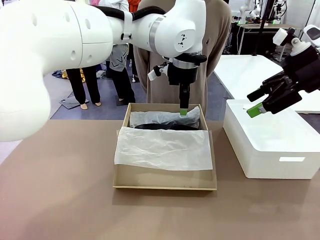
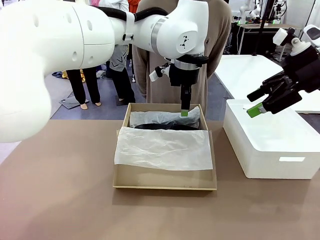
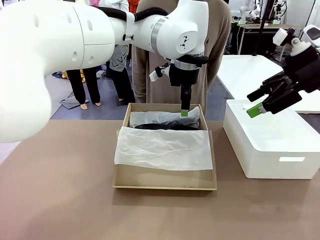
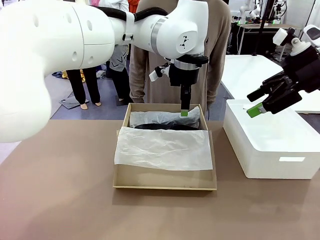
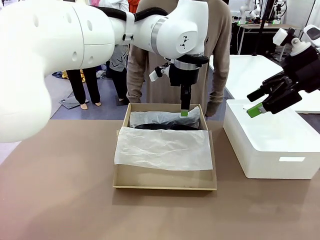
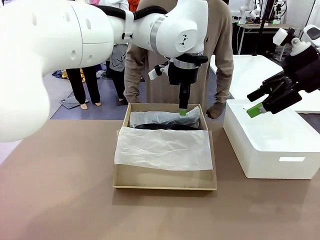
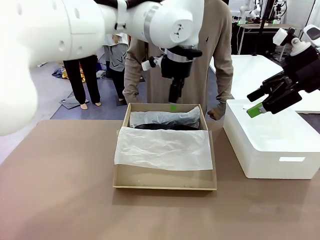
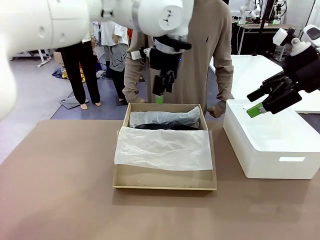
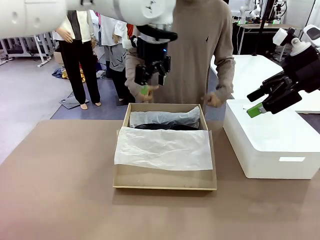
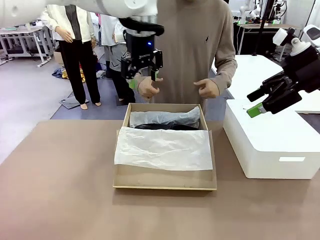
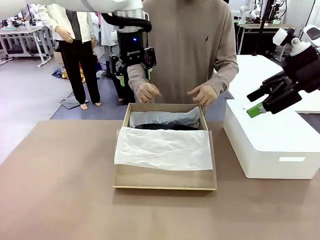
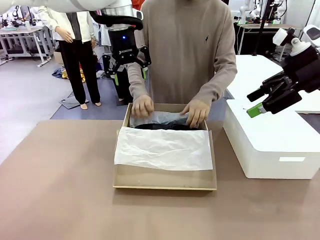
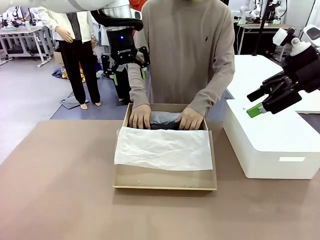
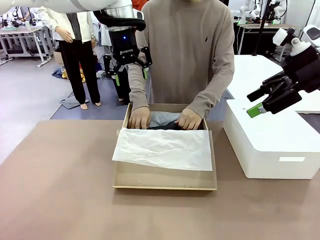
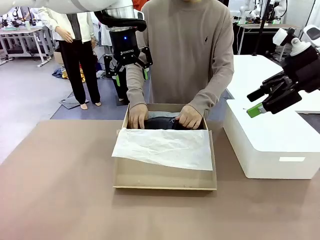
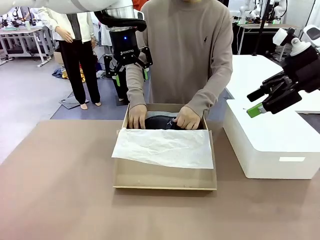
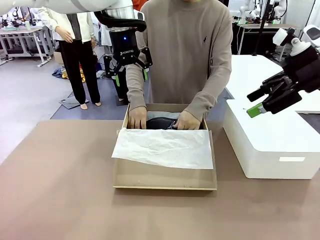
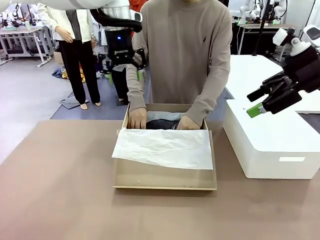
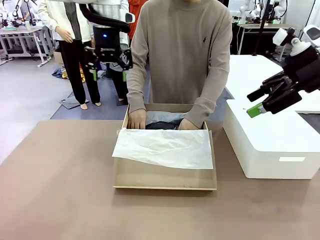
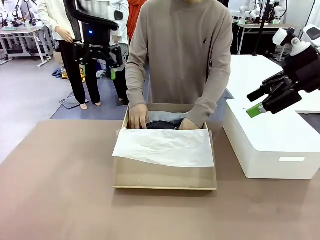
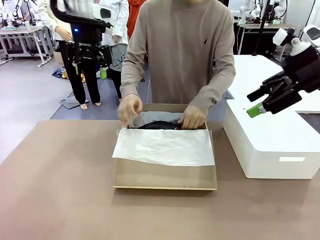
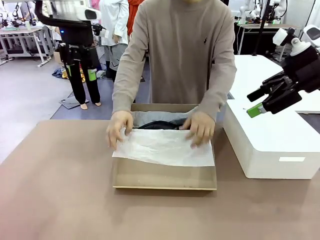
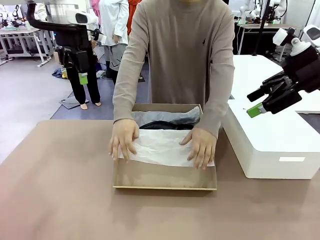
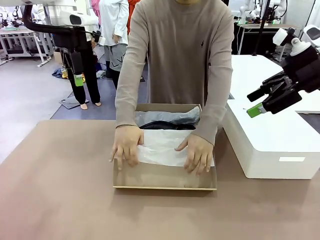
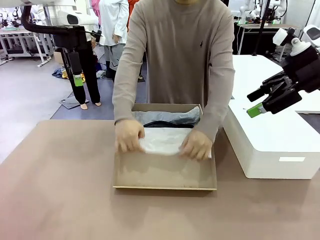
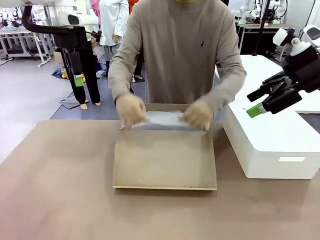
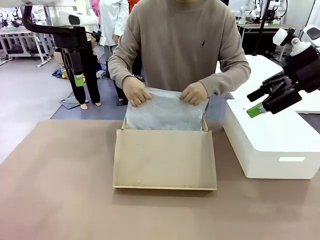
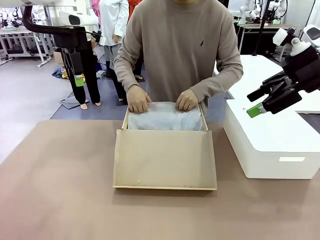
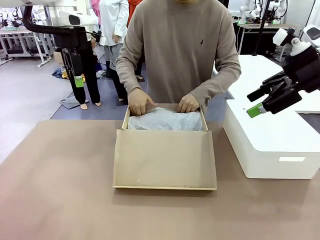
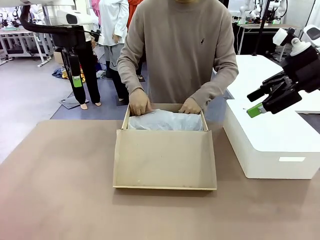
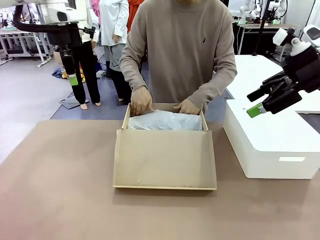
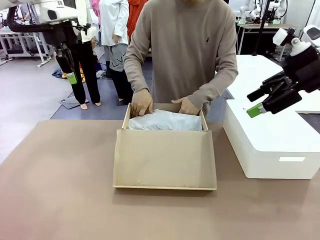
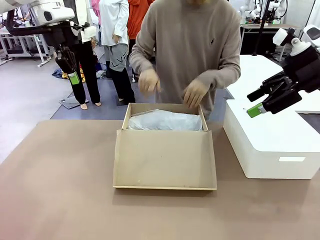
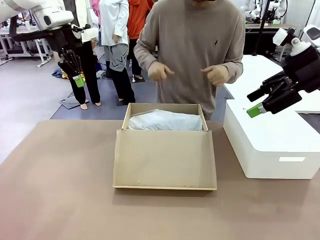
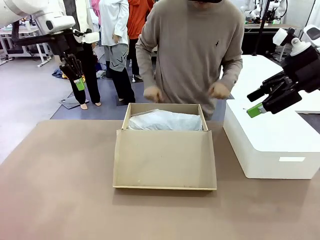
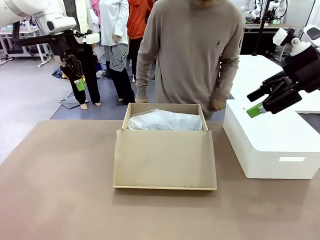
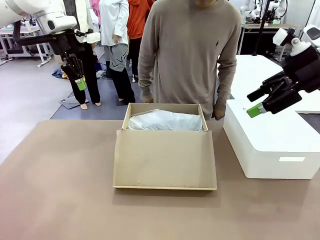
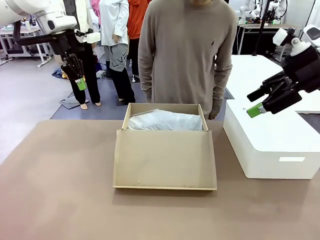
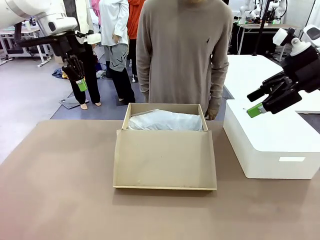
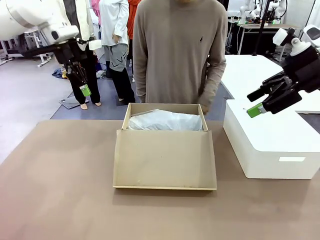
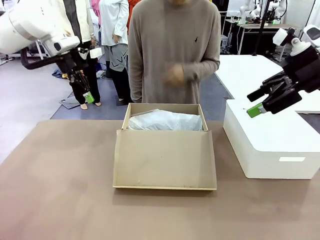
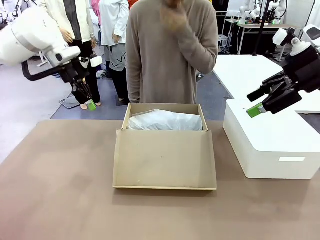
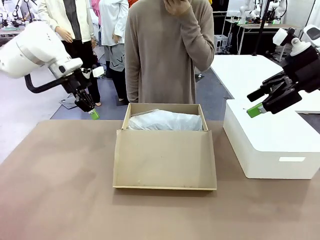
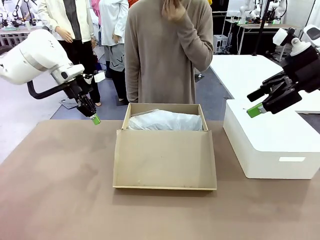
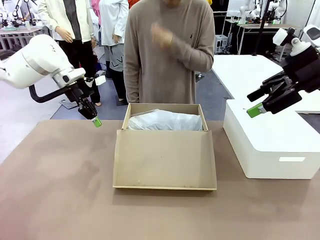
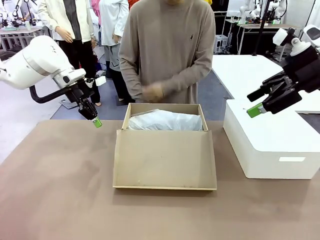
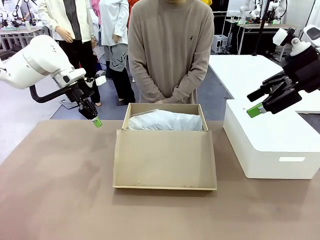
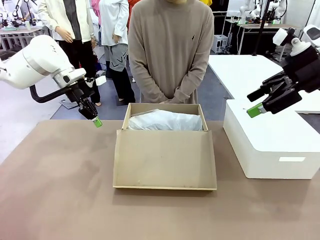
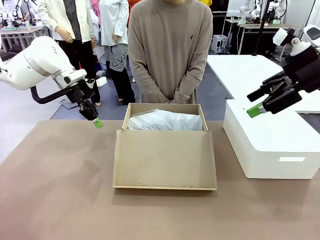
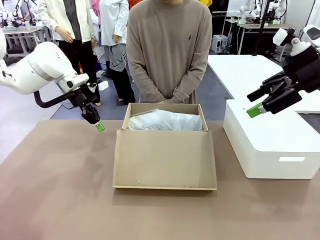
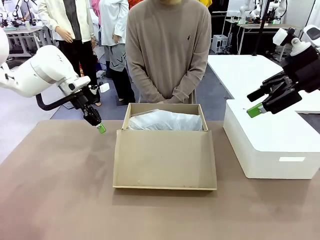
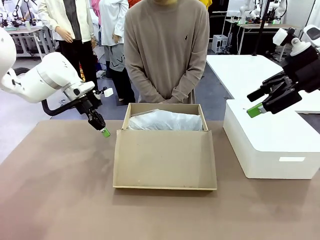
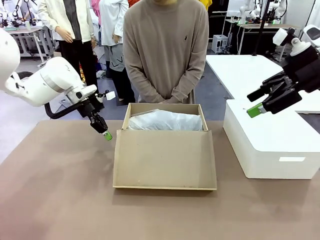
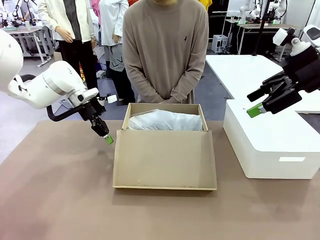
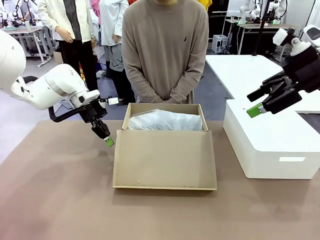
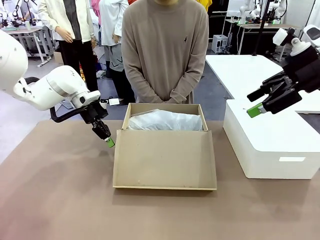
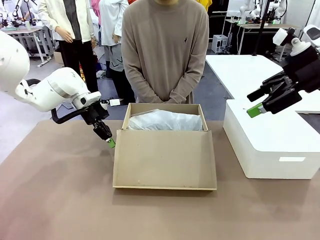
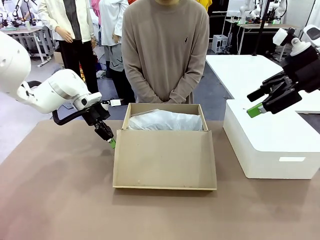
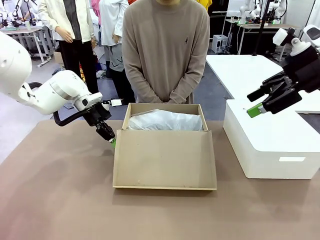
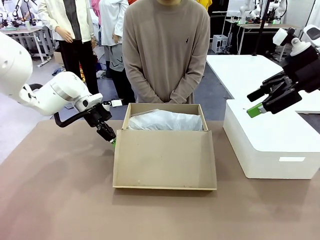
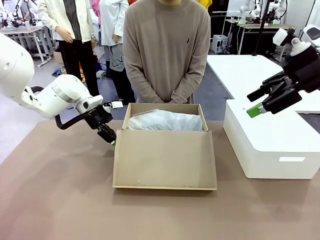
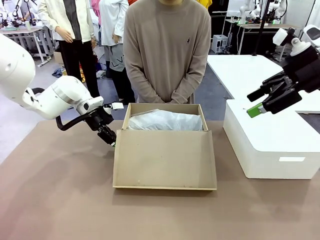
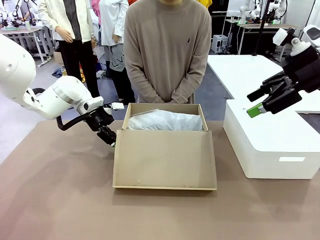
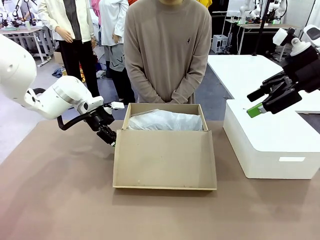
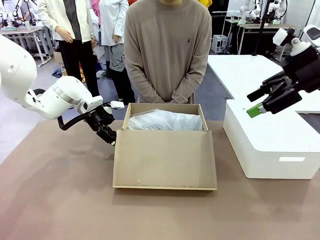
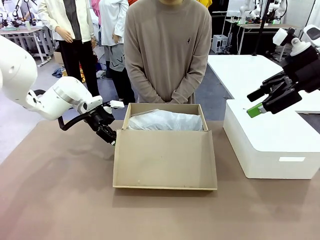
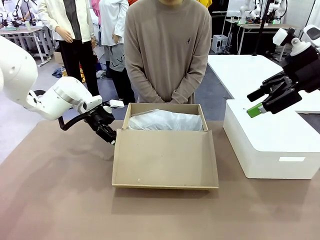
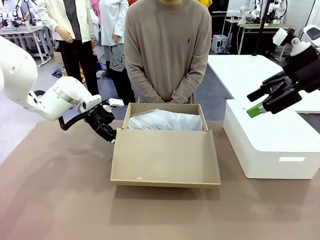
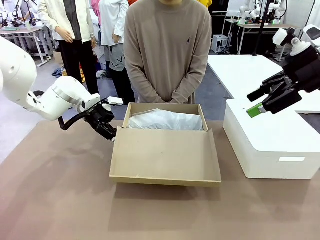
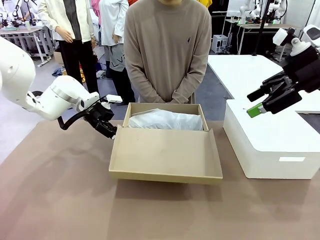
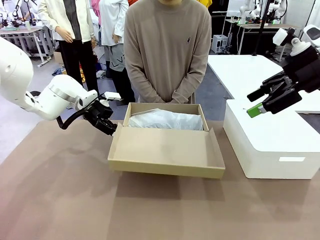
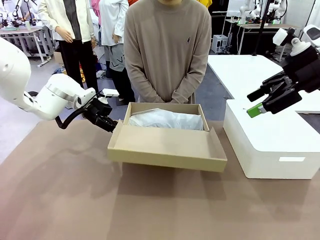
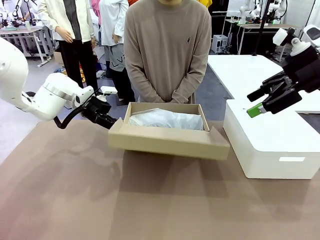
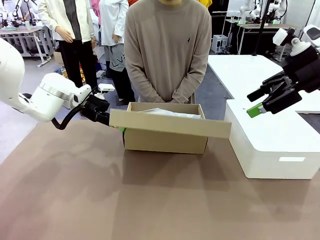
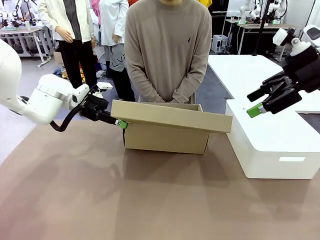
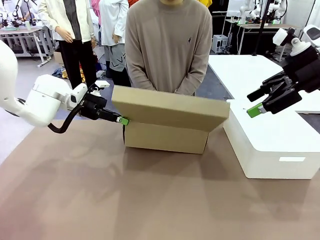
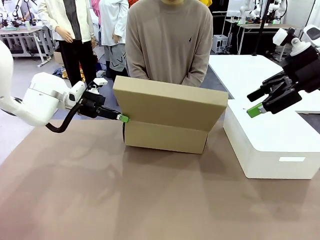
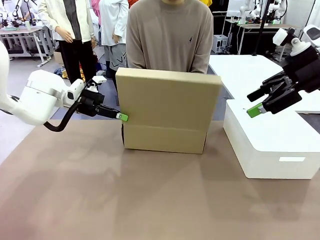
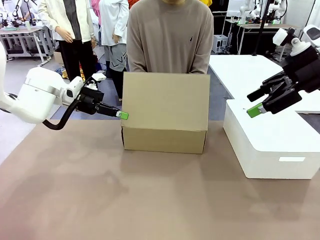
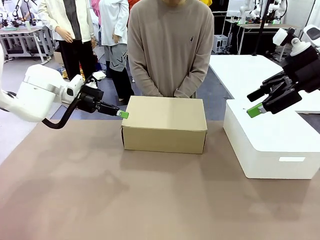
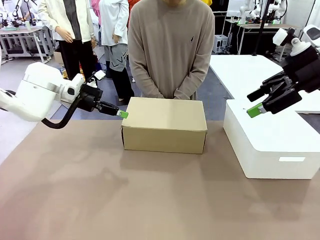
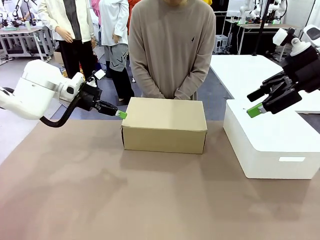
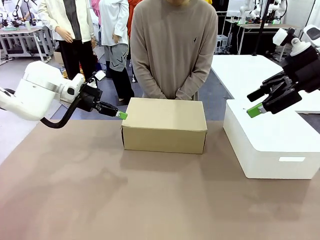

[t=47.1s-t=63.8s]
Task: Pack the shoes into the box.
Robot: Close the Shoes Box.
